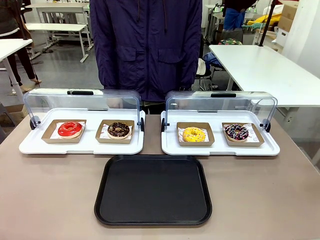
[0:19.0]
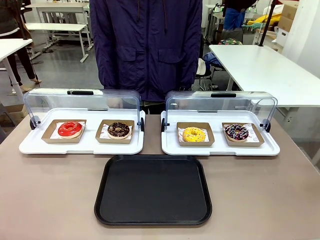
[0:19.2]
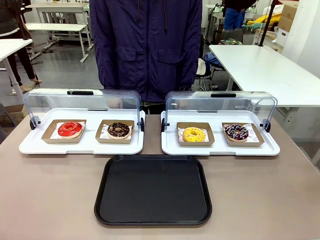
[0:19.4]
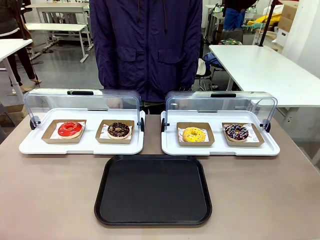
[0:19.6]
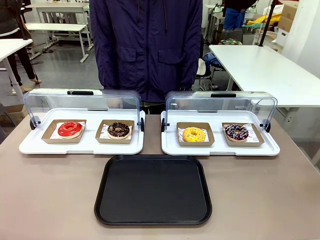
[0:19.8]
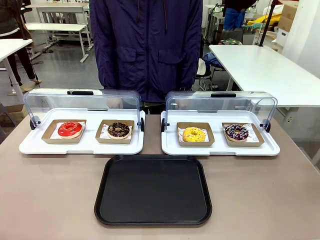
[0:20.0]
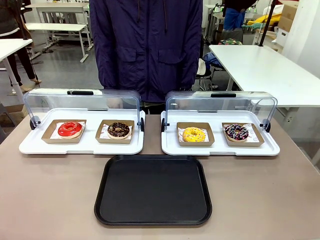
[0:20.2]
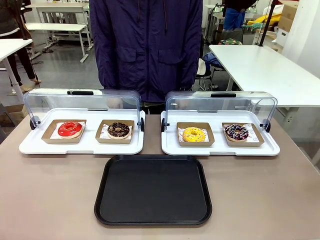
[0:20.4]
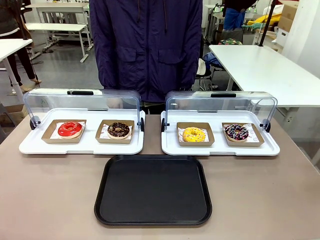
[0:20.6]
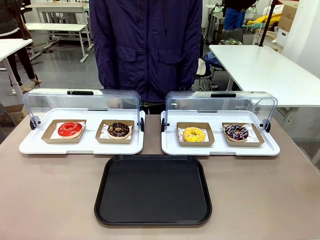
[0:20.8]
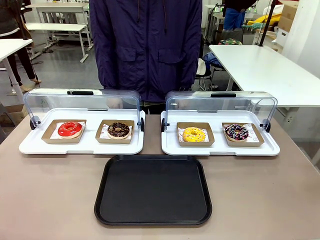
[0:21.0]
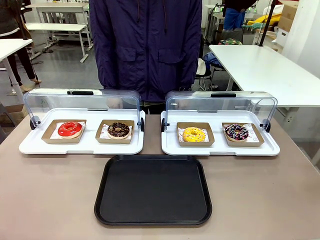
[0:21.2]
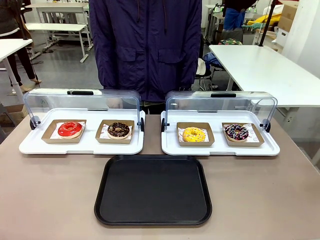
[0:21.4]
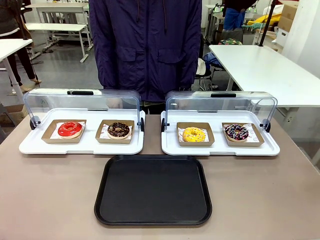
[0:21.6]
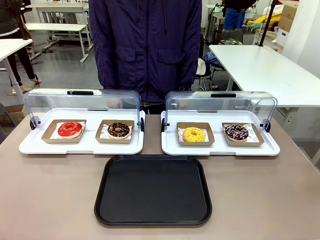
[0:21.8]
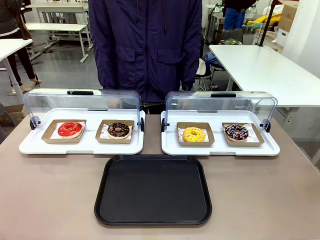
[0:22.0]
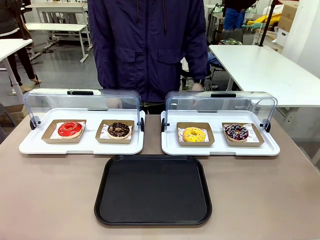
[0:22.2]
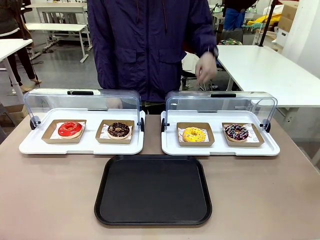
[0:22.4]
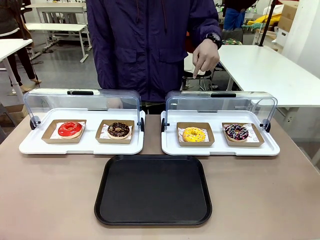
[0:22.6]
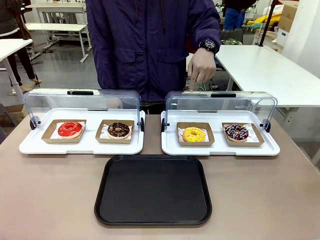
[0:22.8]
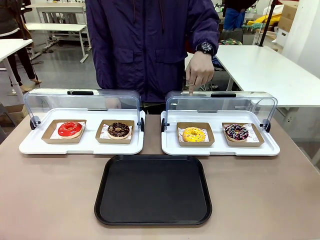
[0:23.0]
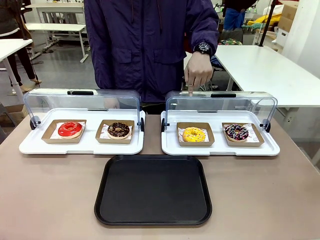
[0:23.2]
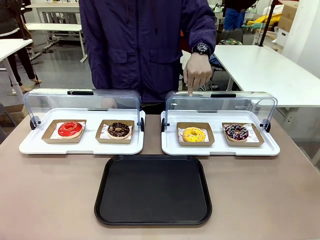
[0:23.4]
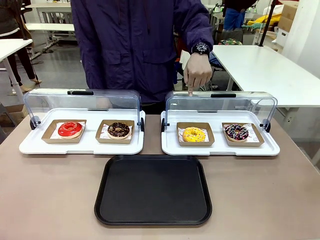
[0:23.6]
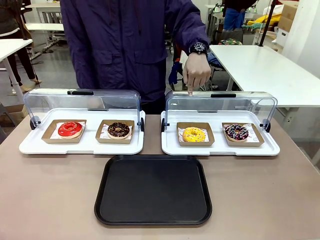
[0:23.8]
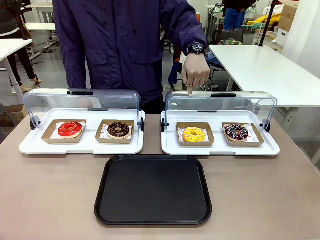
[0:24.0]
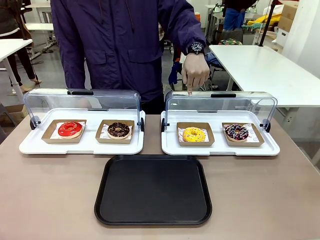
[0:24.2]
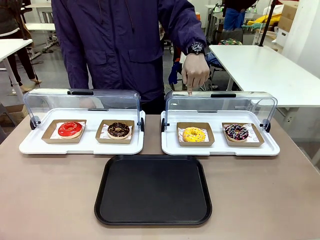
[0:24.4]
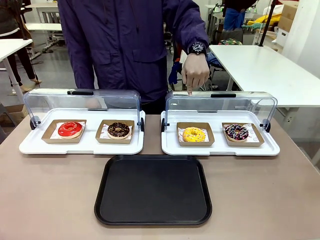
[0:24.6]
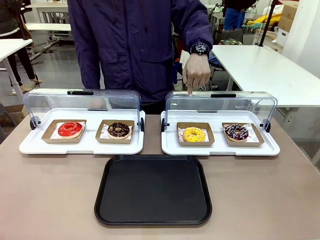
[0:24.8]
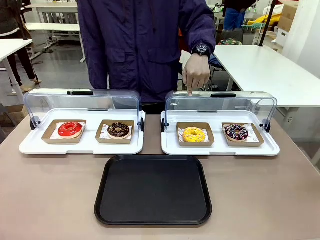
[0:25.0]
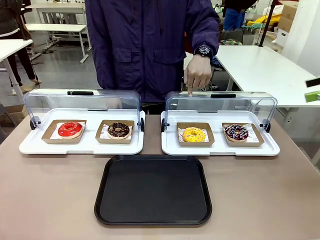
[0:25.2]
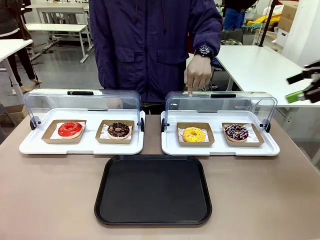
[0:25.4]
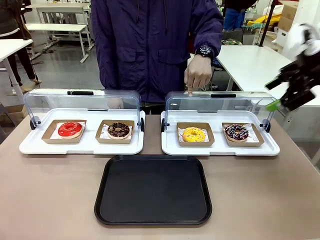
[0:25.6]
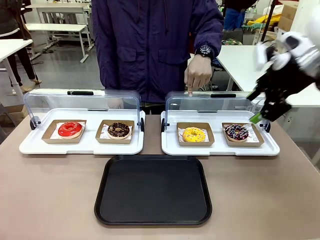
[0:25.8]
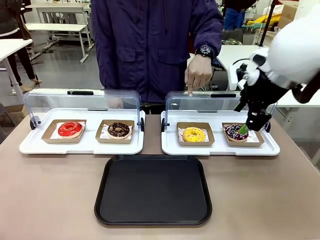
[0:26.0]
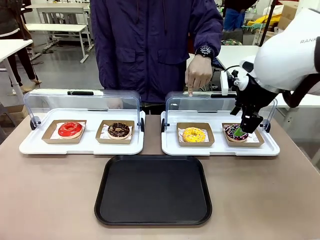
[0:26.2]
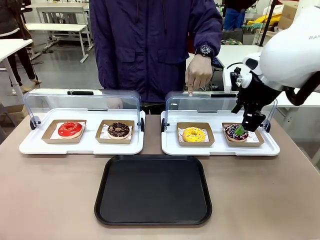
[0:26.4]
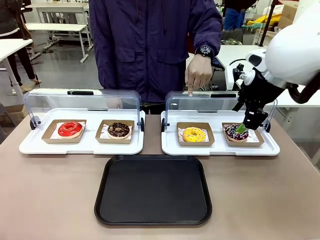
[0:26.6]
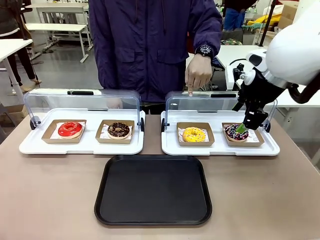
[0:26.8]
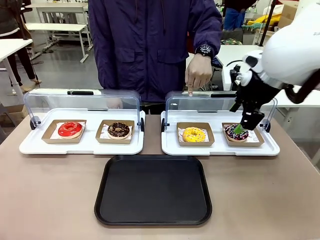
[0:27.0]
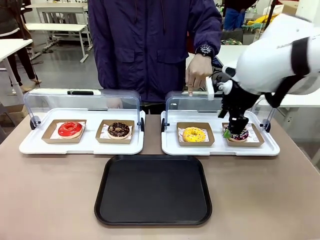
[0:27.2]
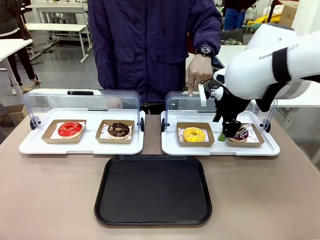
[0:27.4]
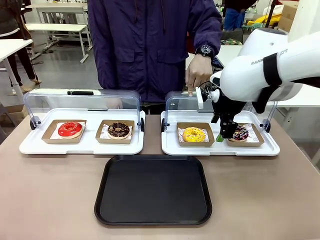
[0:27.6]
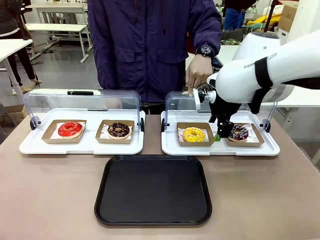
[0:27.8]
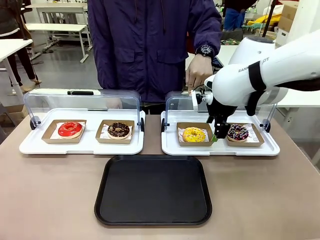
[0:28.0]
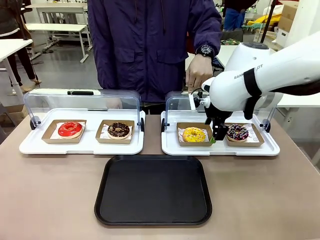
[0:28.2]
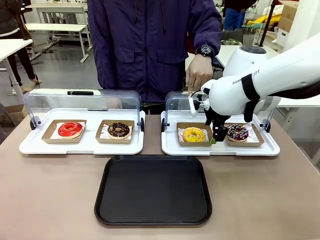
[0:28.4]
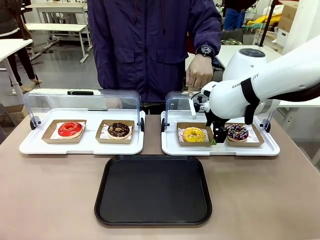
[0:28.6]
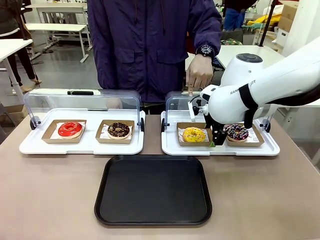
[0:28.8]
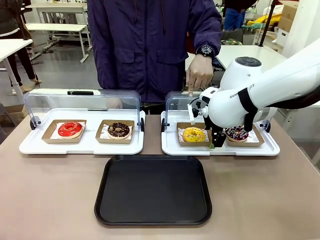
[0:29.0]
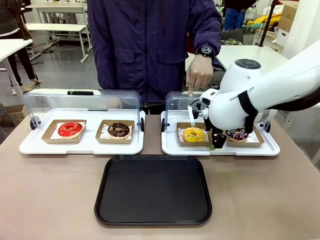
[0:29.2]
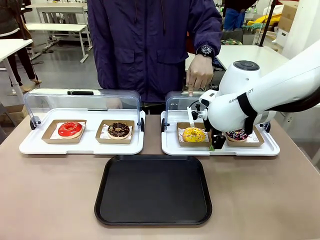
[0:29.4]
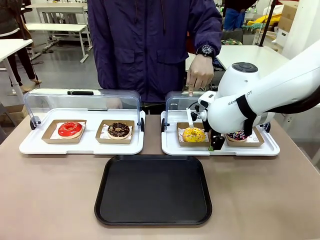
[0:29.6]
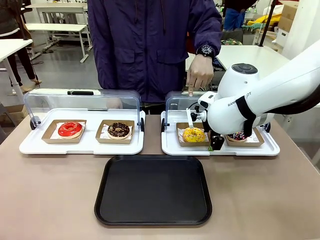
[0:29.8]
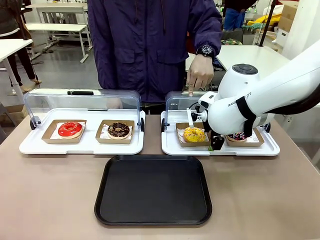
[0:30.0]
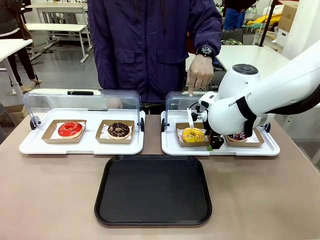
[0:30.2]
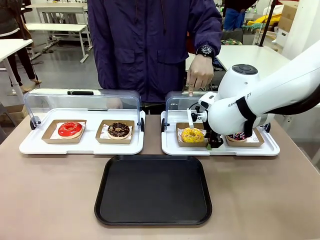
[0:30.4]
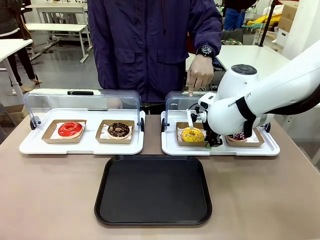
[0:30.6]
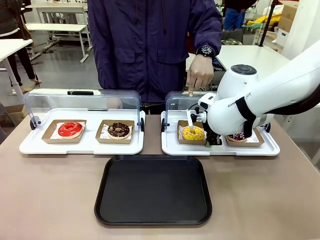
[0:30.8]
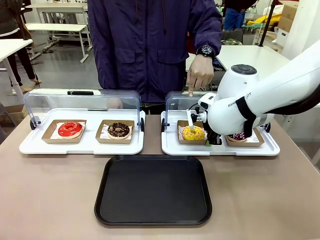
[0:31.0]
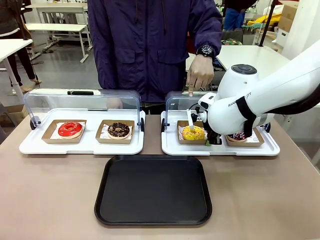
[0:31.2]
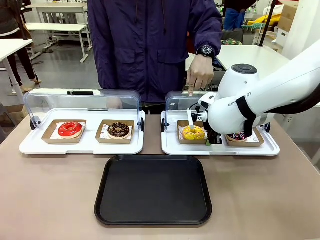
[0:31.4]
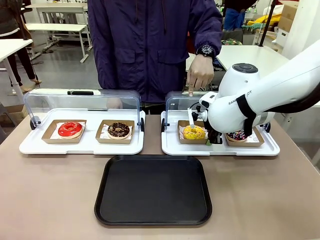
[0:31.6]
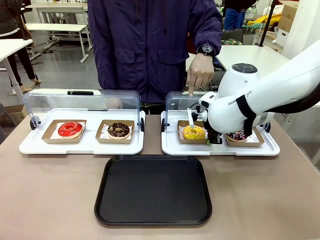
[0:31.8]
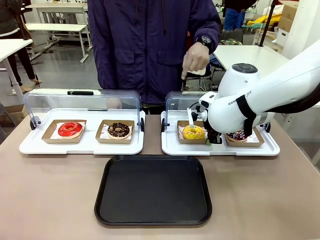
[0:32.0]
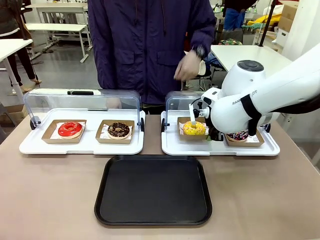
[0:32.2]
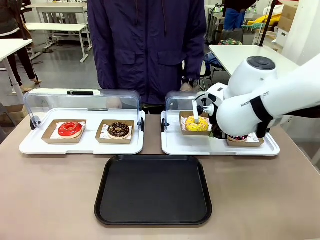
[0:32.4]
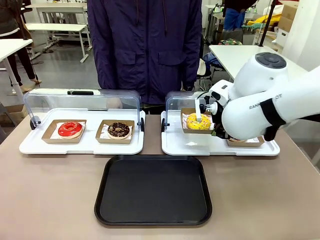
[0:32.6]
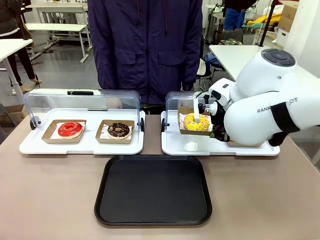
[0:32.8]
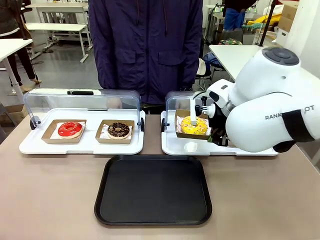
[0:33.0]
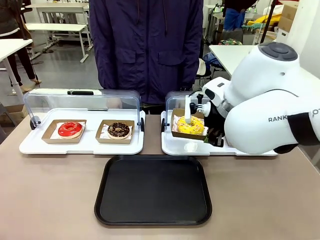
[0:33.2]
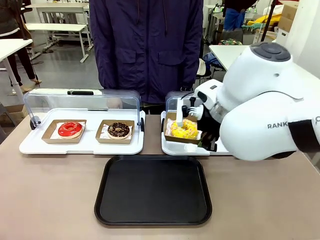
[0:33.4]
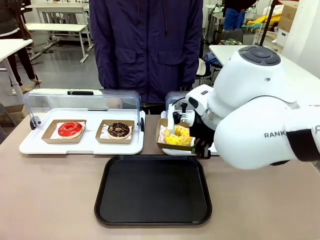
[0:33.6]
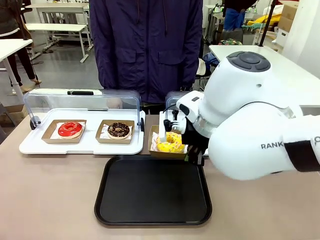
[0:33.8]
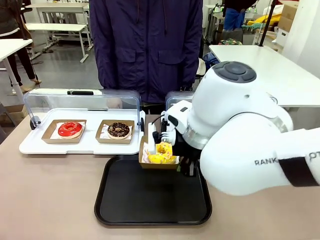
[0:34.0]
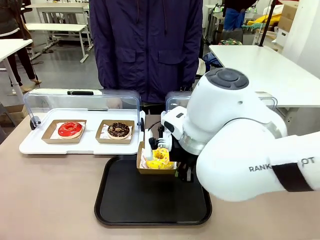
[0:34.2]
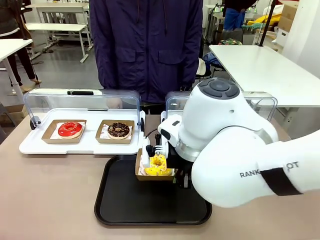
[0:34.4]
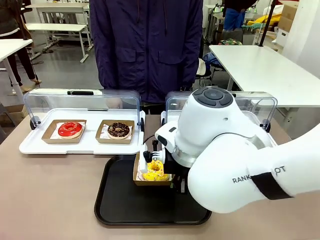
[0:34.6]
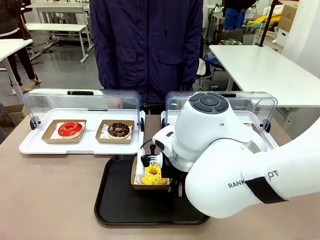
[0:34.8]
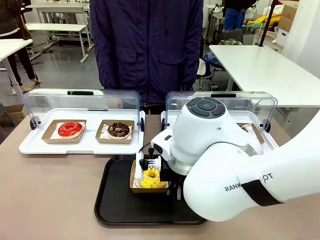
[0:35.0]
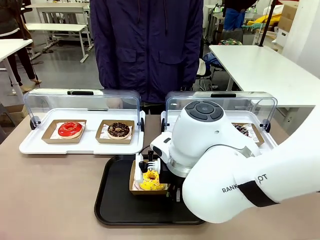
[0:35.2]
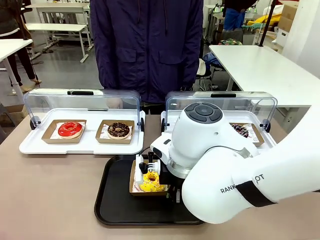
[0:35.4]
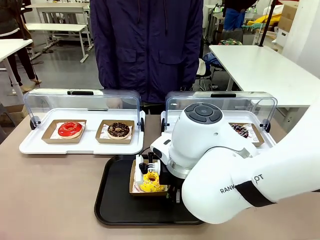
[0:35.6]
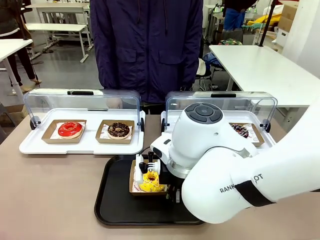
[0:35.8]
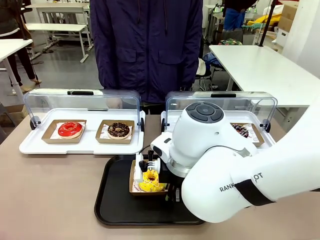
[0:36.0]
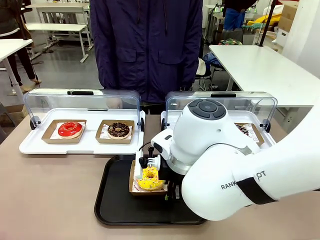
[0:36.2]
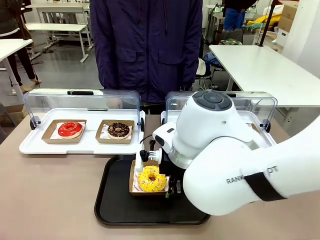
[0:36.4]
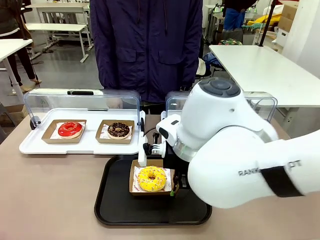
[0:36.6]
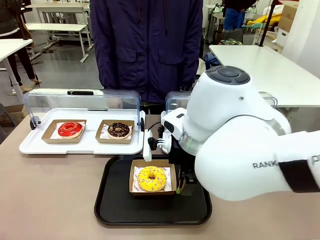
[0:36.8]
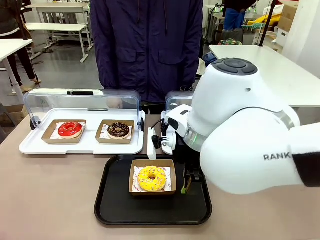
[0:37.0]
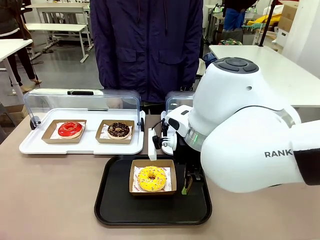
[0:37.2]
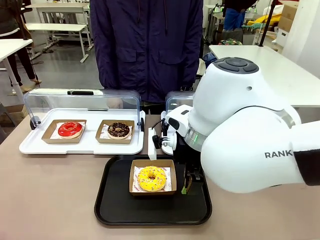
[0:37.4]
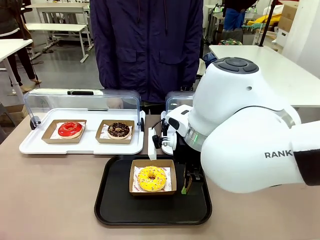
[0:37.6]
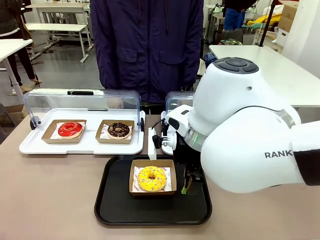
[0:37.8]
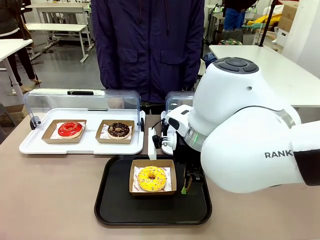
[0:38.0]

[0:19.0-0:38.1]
Task: Move the third donut from the left to the tray.
Robot: Pick up the Paper togo box containing the Donut indicated by the person and place it on the Handle tray.
Person: Points to the third donut from the left from the robot’s perspective.
